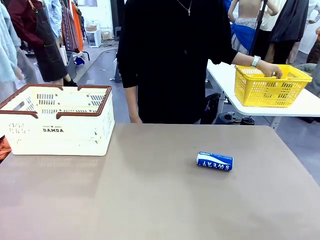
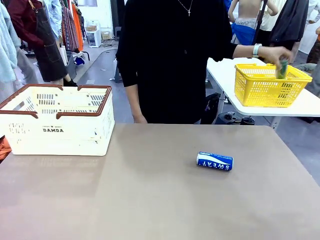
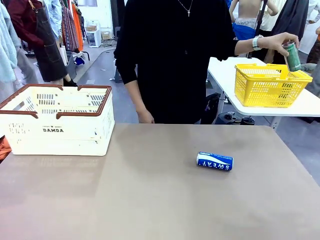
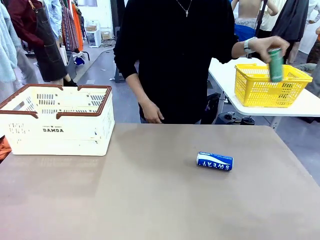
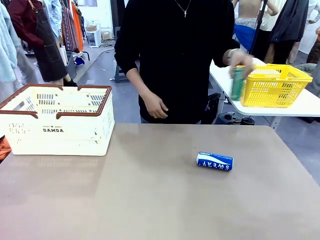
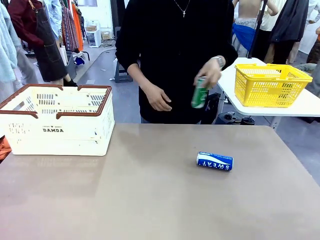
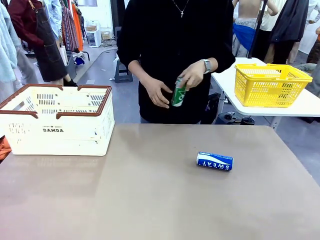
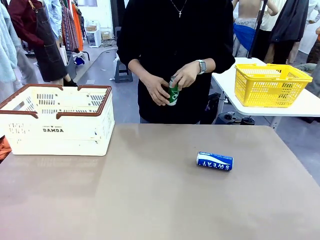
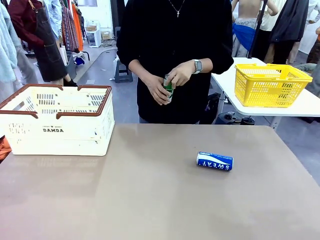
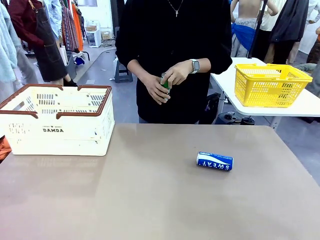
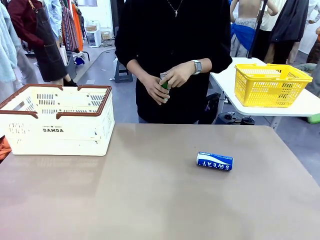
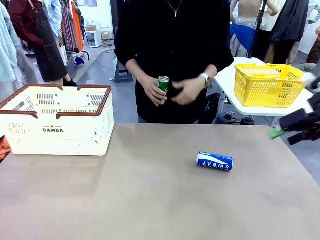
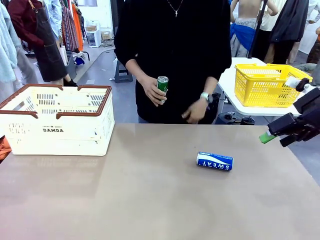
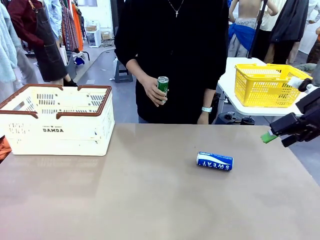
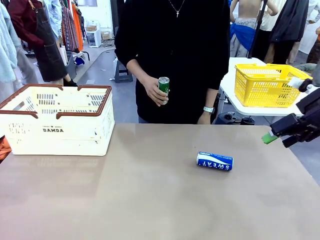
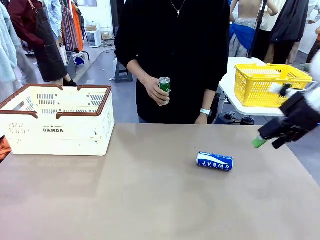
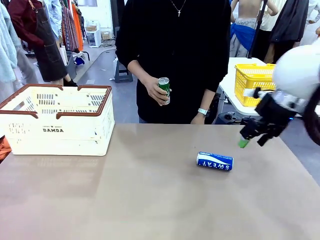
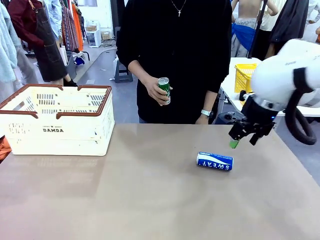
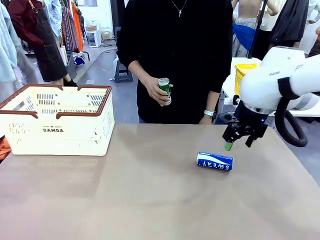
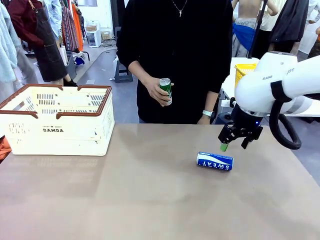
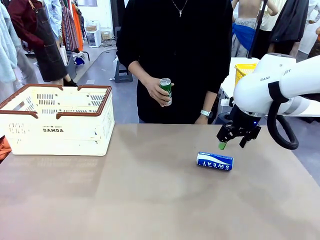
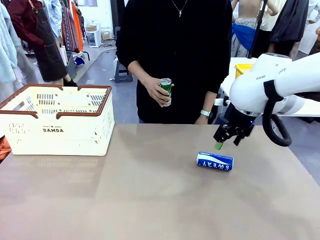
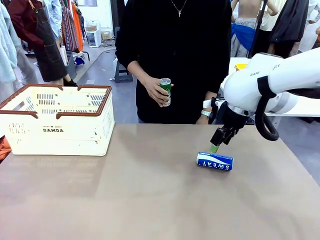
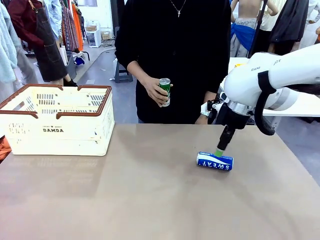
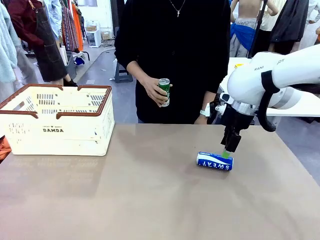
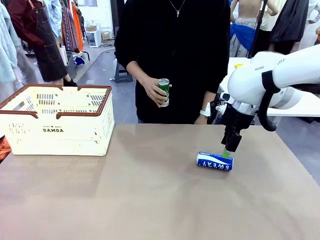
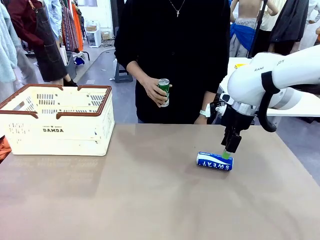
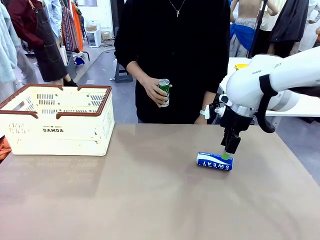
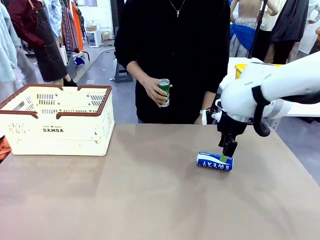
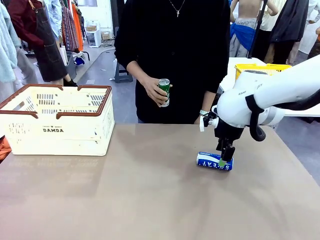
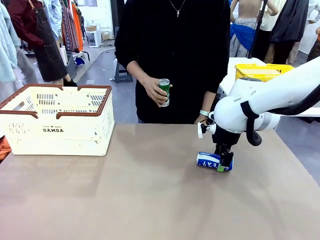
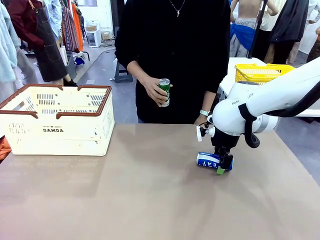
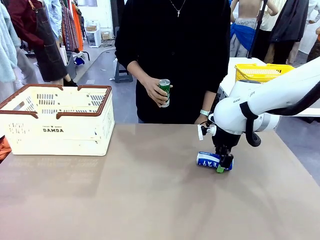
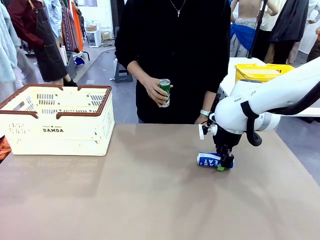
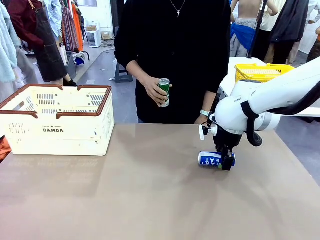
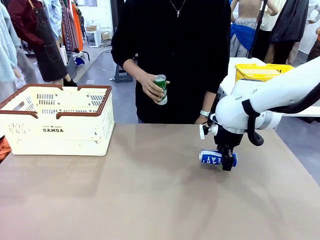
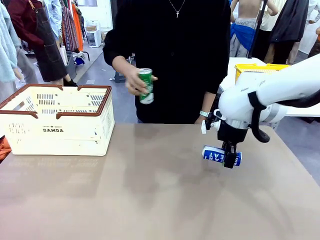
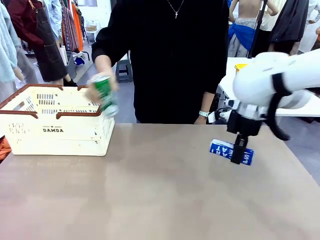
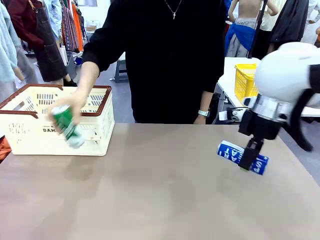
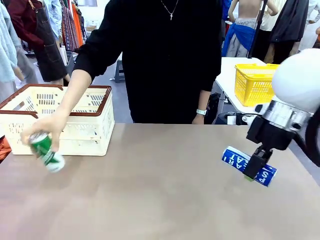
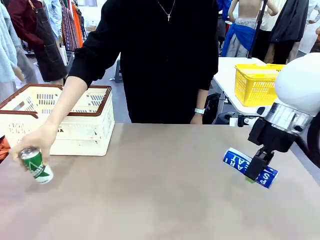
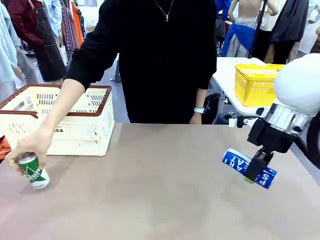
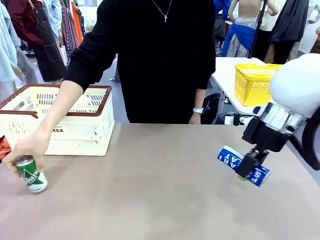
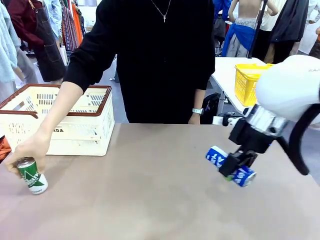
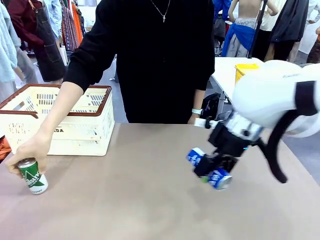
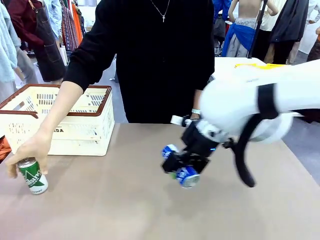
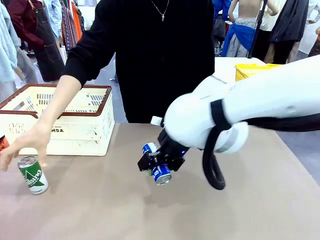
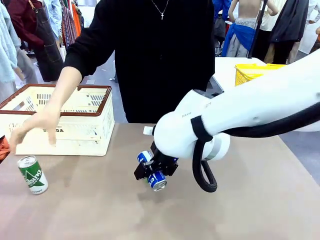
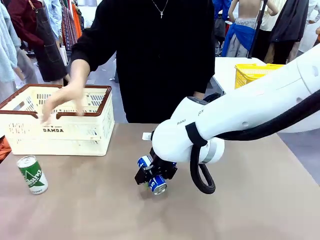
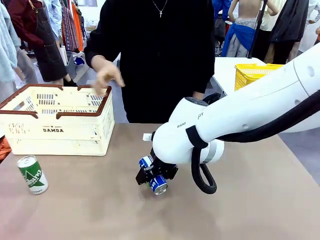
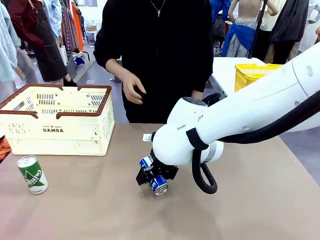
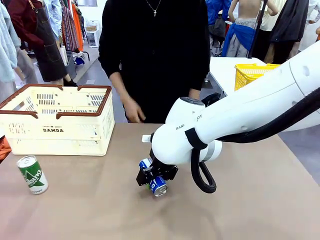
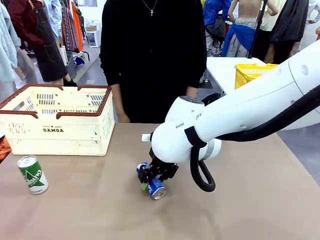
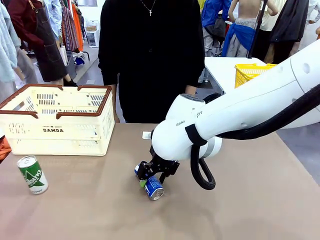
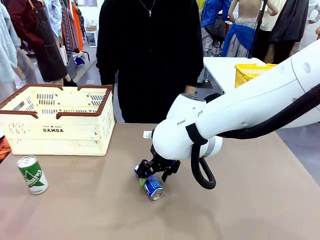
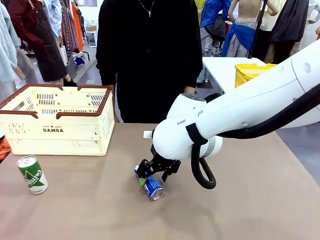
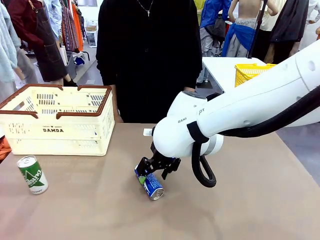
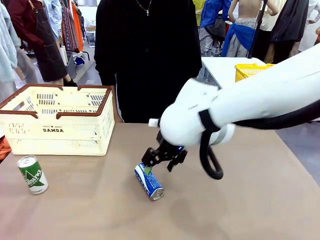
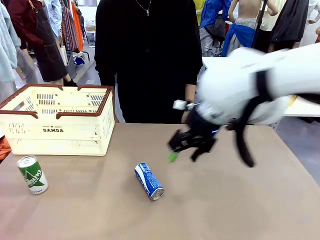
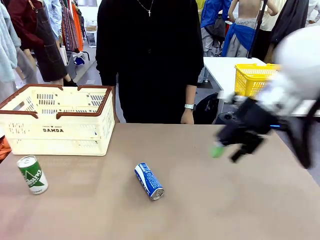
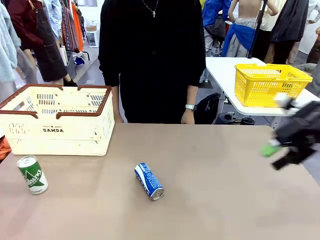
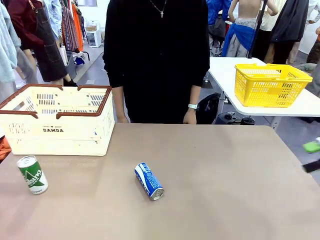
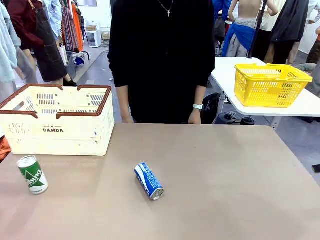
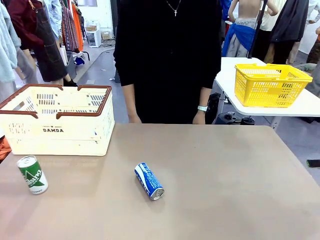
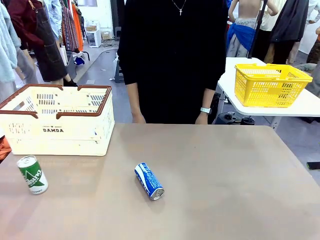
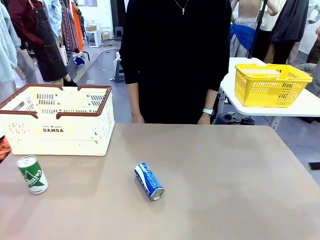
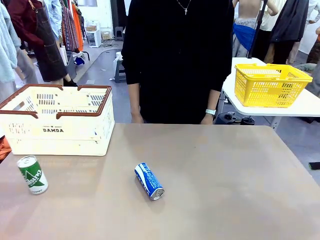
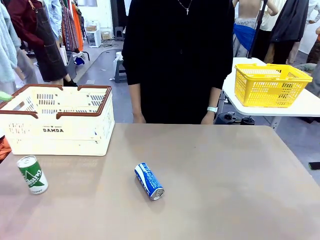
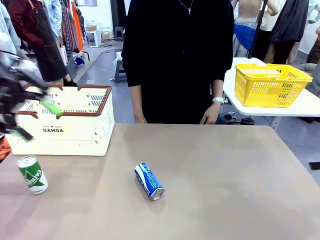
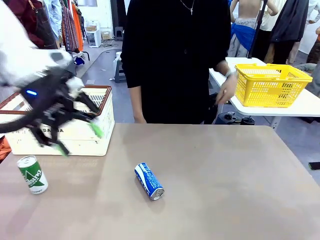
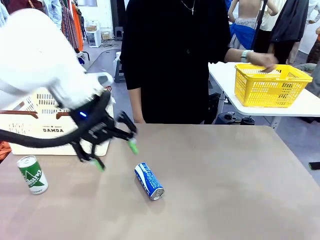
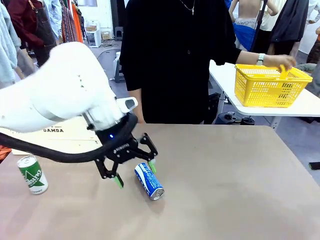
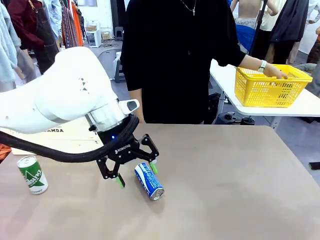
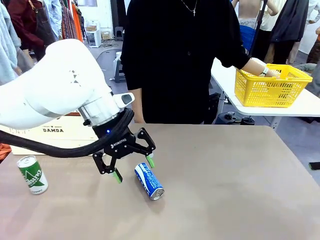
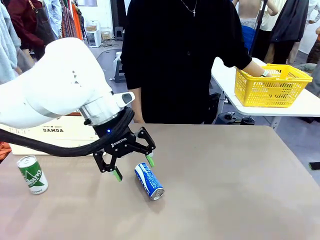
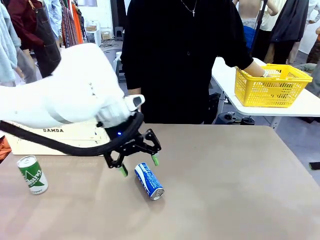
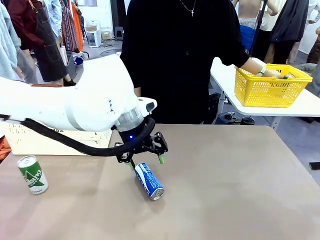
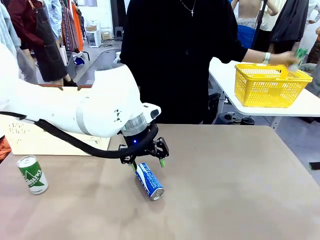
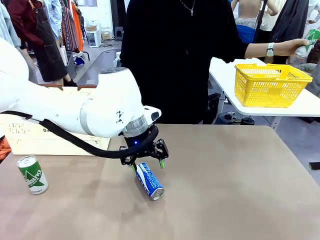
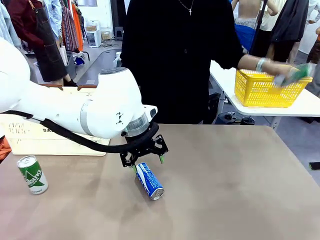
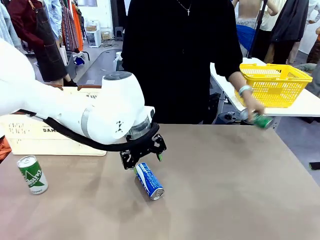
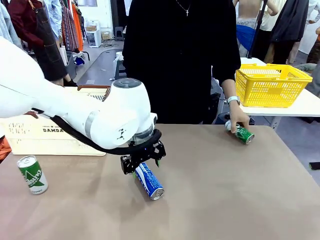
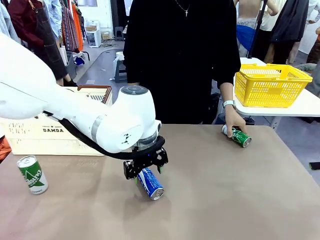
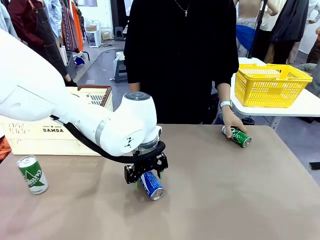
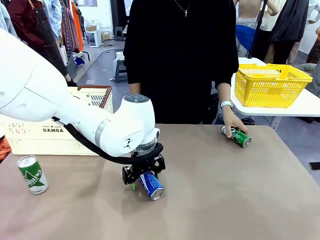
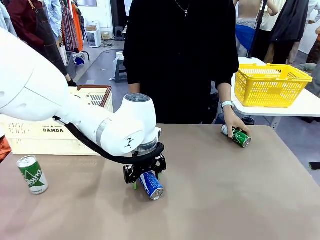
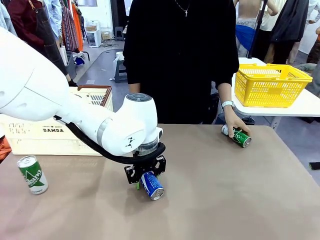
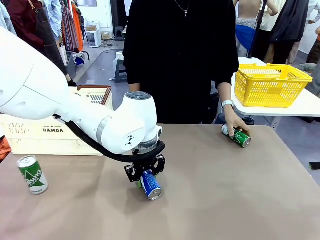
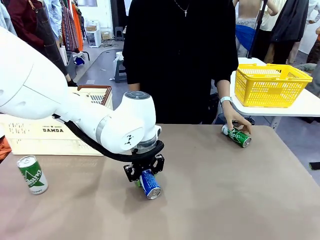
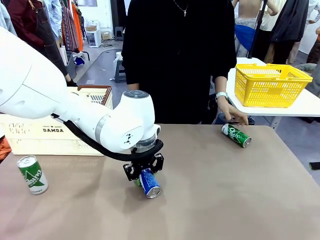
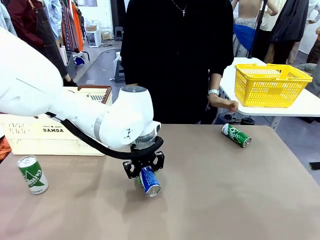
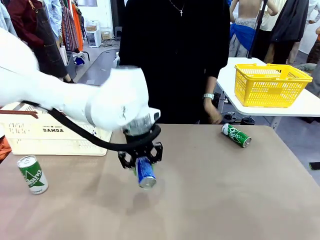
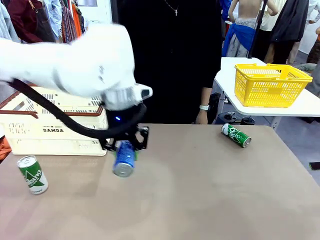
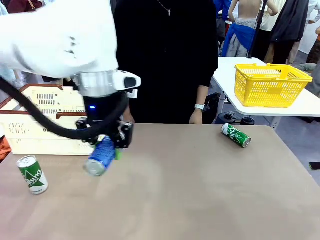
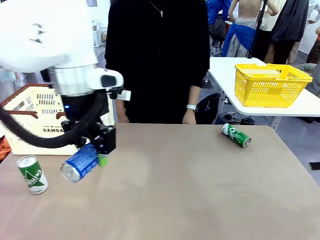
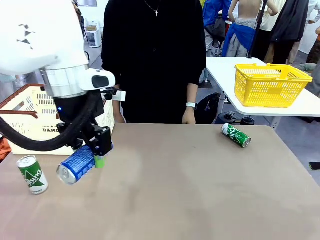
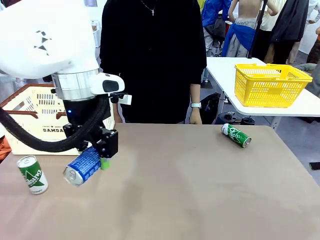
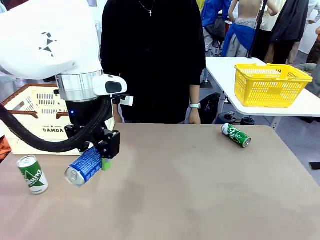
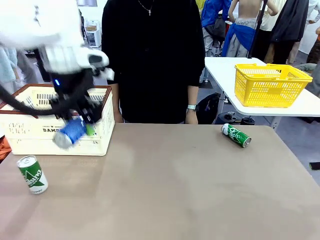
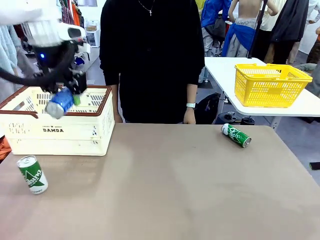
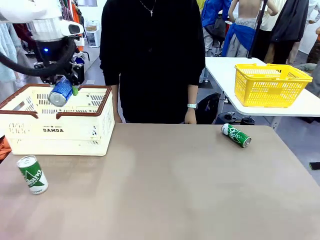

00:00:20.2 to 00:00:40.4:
Task: Place the drinks into the Shopping basket.
Robot: Pick up one drink and place it into the Shopping basket.
